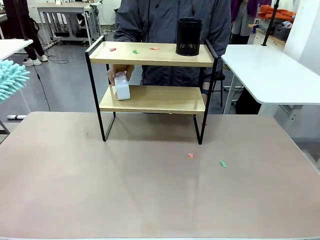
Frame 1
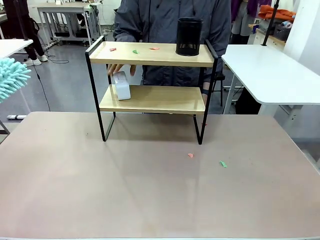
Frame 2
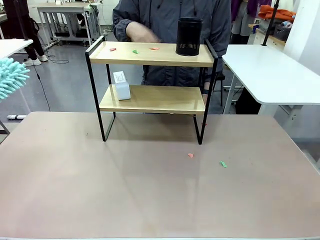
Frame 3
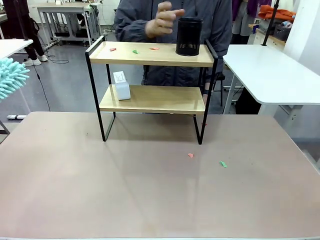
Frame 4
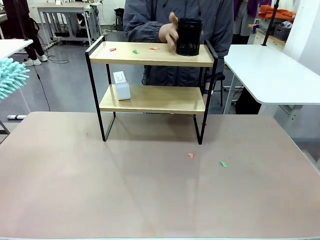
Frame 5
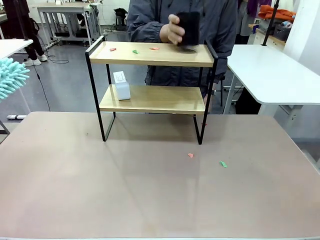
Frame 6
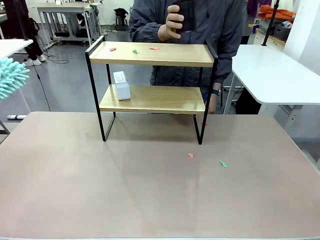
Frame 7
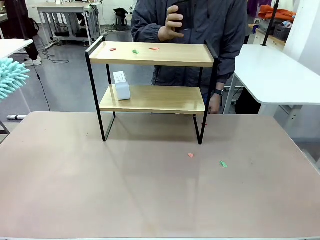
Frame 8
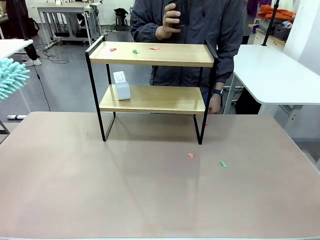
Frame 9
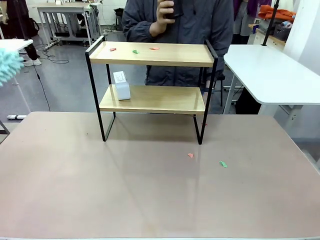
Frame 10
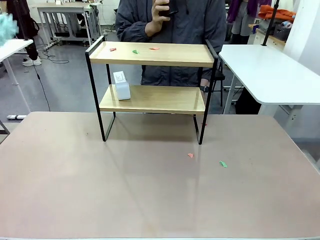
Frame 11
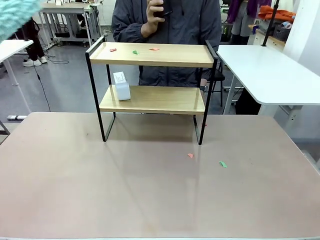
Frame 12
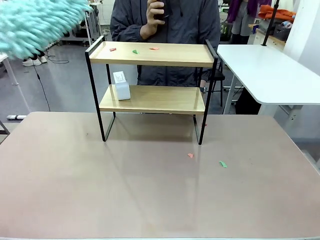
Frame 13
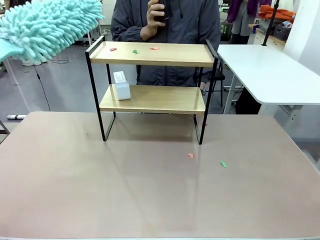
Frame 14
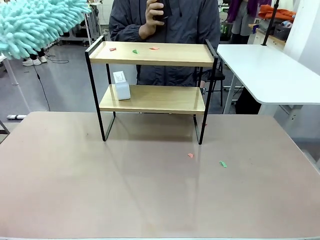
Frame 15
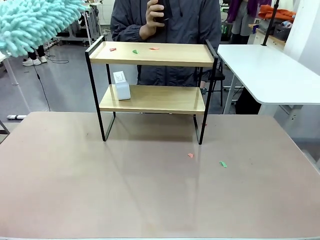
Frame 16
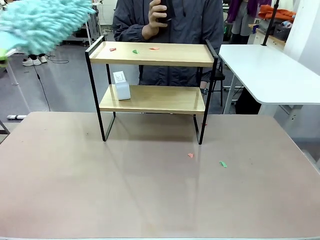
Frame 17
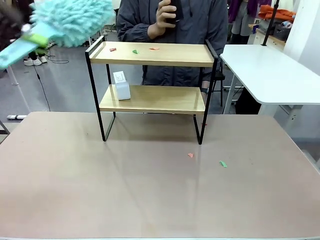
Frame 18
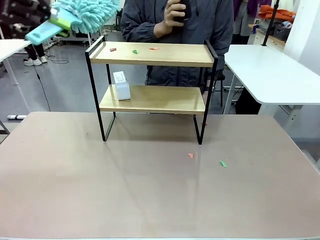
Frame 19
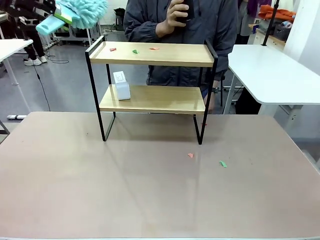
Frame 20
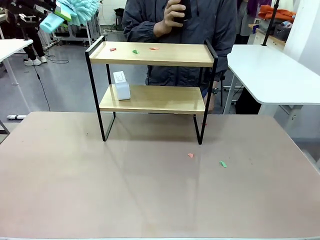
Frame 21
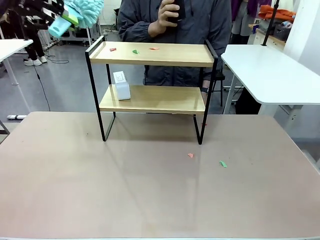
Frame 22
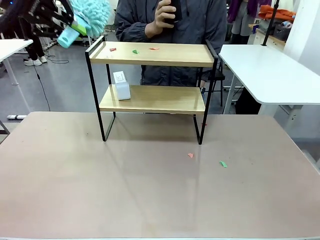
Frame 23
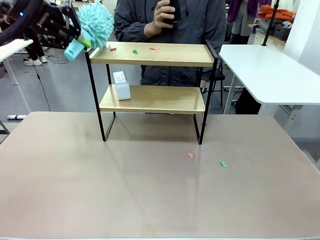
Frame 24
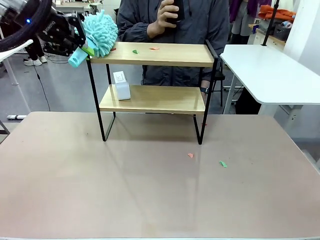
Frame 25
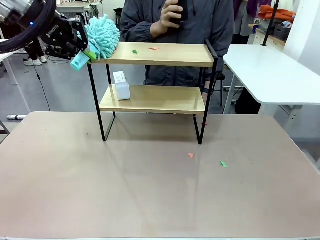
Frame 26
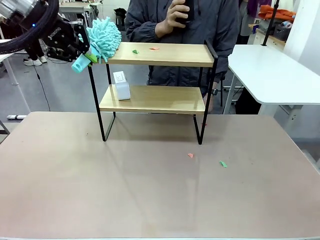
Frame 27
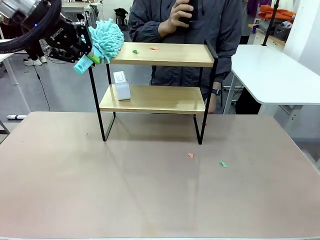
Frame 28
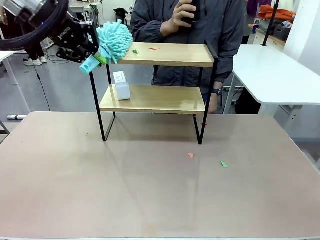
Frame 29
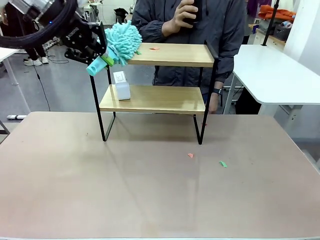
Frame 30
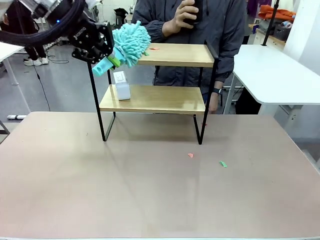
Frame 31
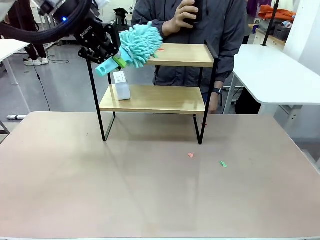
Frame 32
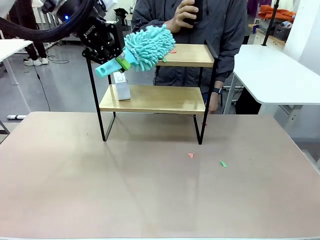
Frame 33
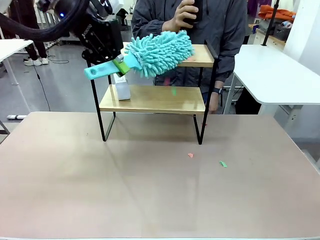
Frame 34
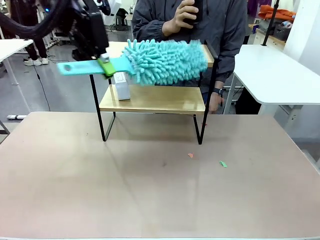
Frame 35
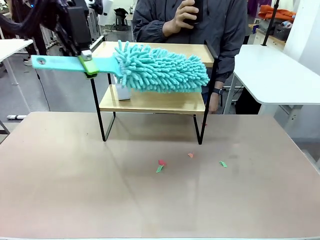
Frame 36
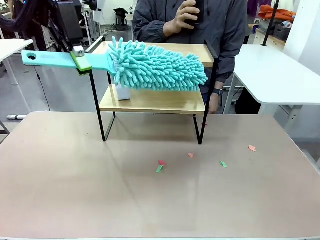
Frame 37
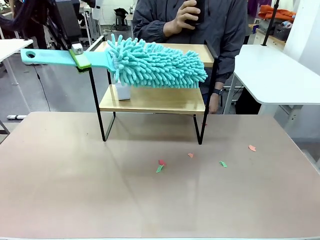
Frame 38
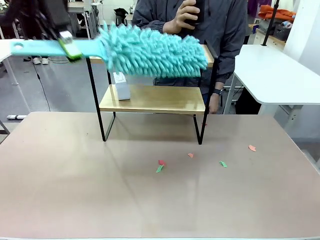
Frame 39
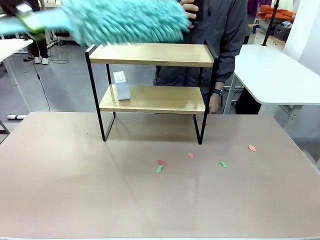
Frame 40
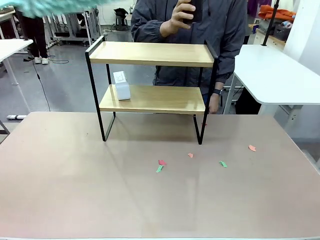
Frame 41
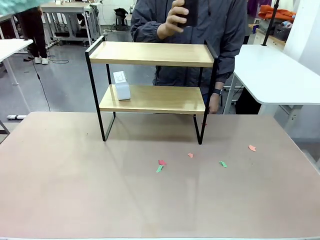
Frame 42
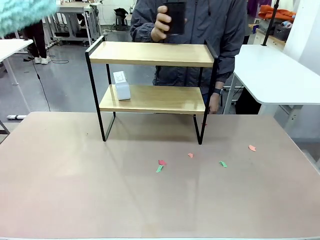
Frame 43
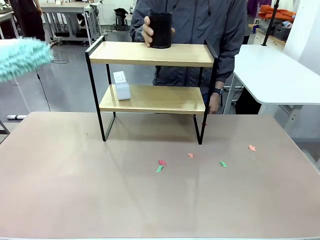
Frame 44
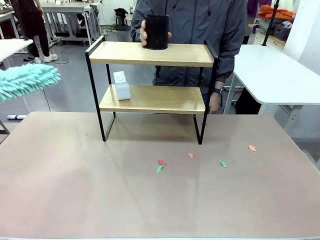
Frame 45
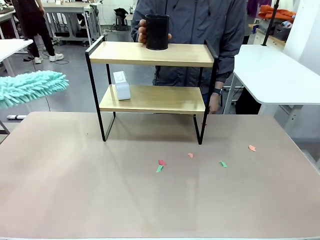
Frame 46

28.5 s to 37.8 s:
Task: Clean the shelf.
Robot: Clean the remaining tier of the Shelf with the Duster once objects are removed.

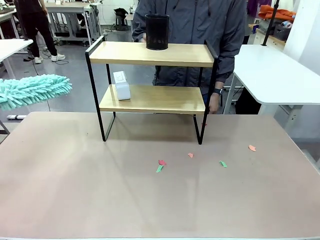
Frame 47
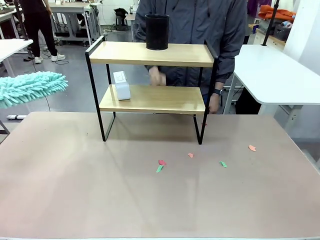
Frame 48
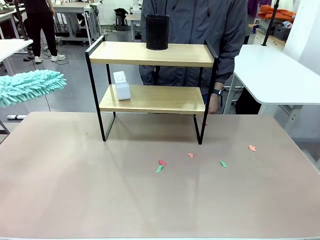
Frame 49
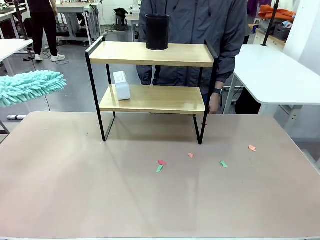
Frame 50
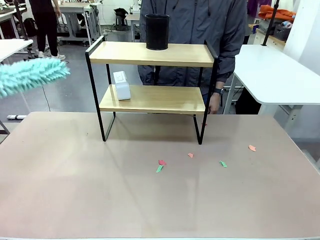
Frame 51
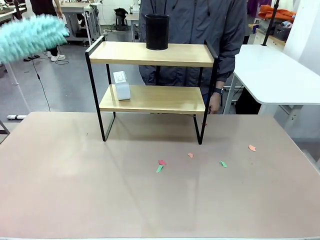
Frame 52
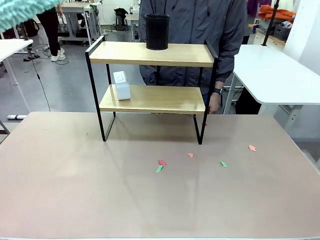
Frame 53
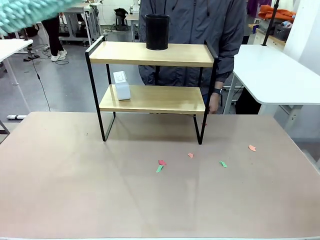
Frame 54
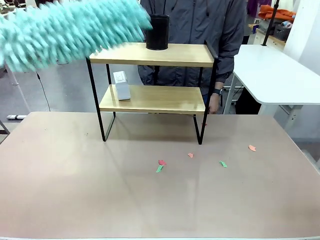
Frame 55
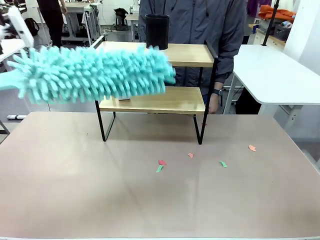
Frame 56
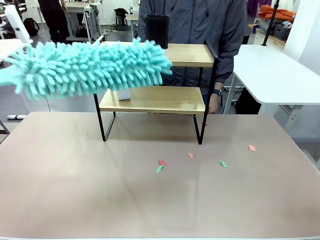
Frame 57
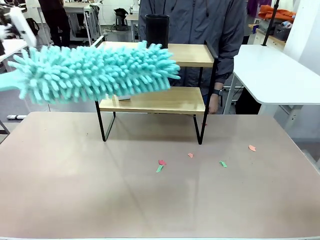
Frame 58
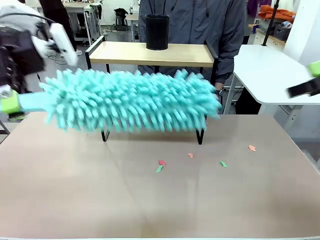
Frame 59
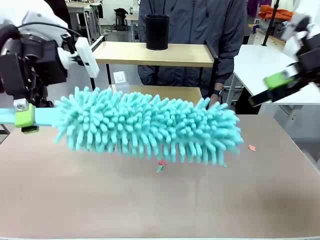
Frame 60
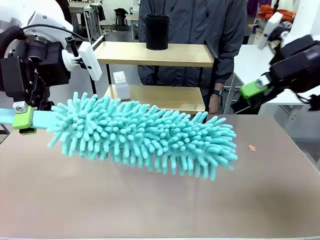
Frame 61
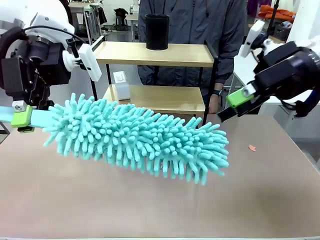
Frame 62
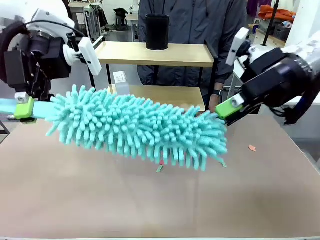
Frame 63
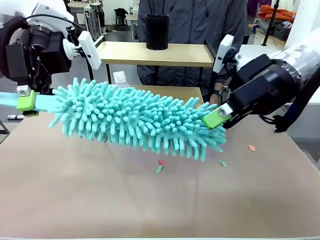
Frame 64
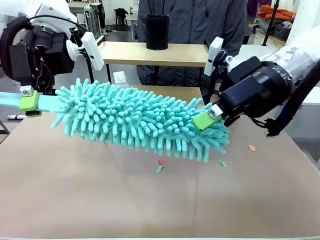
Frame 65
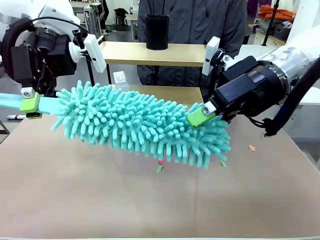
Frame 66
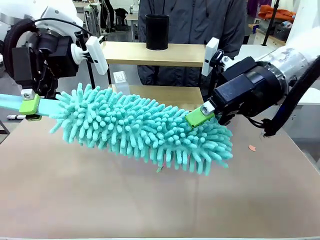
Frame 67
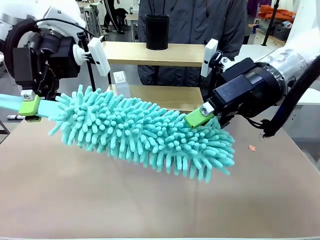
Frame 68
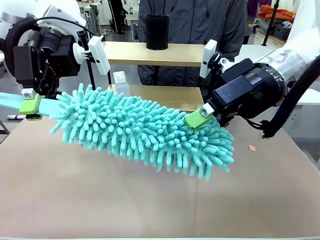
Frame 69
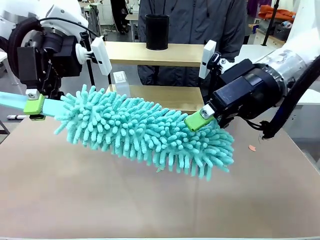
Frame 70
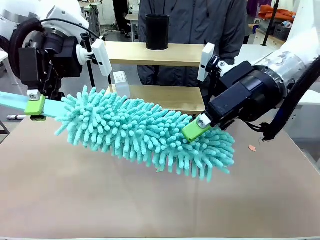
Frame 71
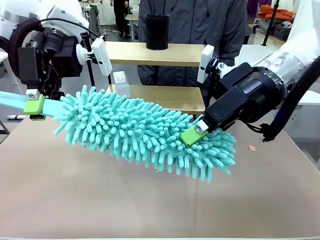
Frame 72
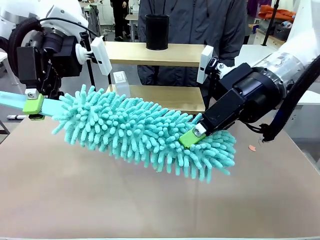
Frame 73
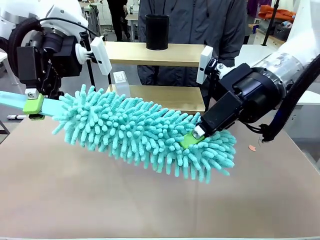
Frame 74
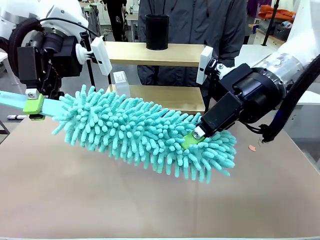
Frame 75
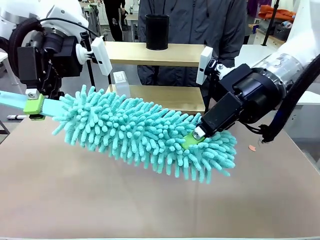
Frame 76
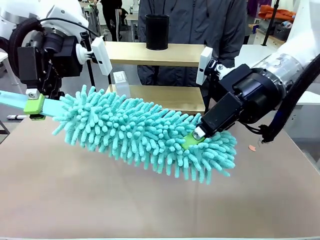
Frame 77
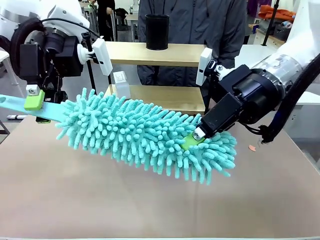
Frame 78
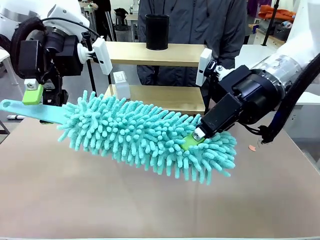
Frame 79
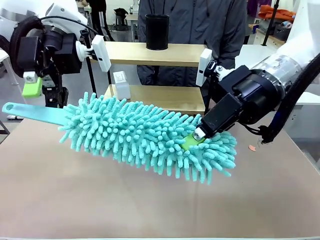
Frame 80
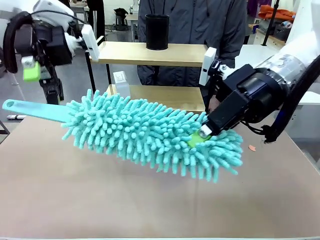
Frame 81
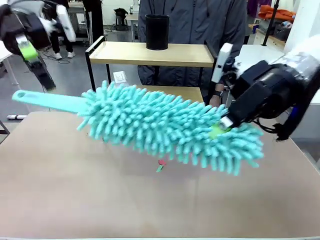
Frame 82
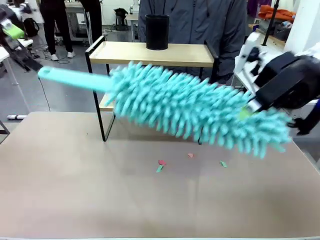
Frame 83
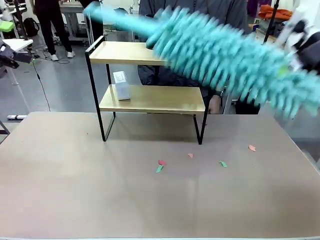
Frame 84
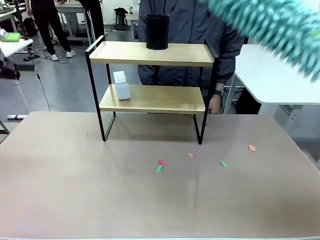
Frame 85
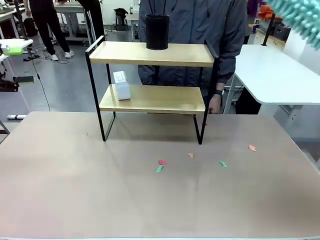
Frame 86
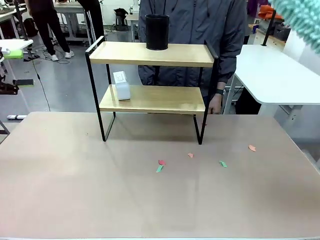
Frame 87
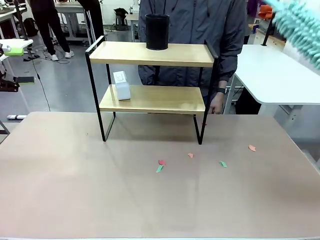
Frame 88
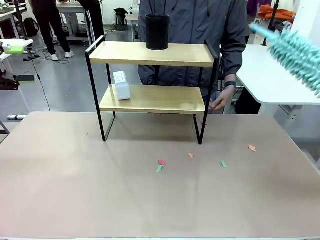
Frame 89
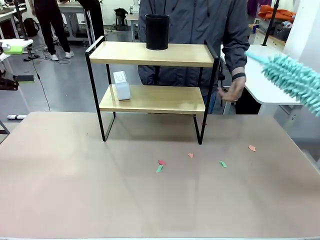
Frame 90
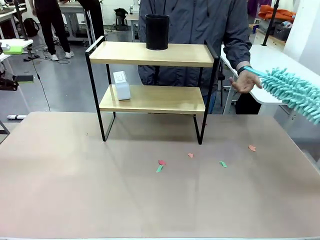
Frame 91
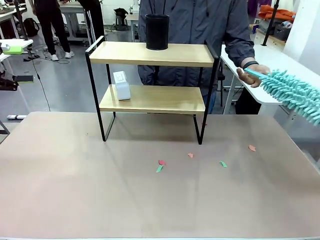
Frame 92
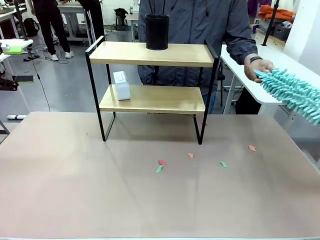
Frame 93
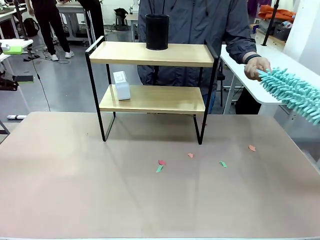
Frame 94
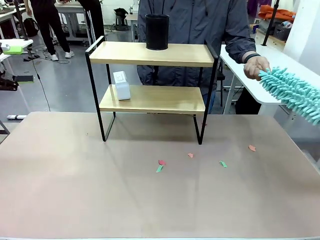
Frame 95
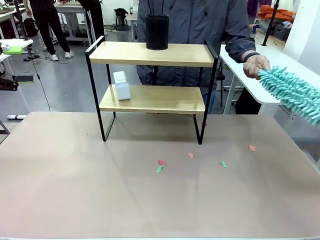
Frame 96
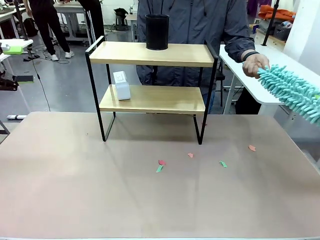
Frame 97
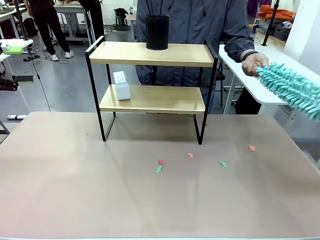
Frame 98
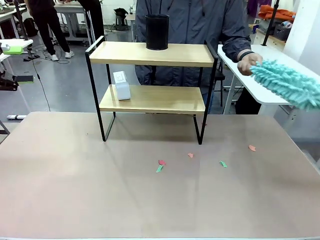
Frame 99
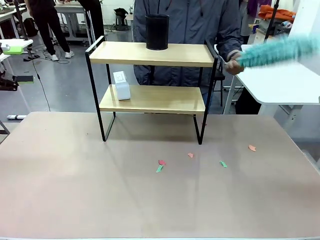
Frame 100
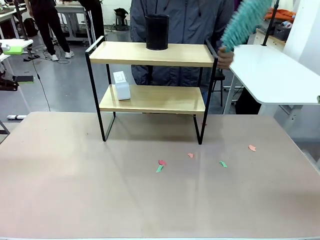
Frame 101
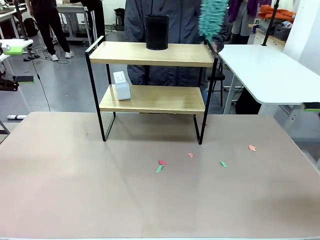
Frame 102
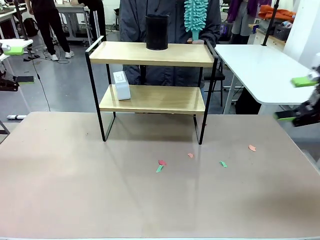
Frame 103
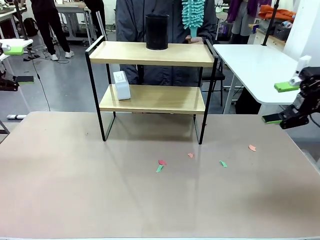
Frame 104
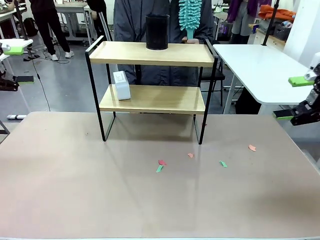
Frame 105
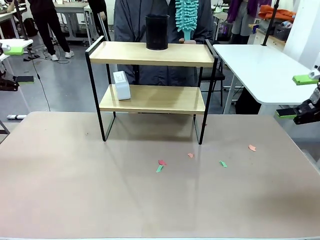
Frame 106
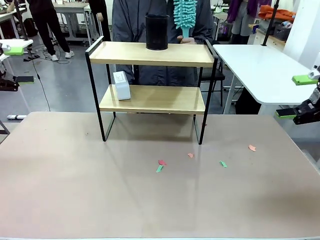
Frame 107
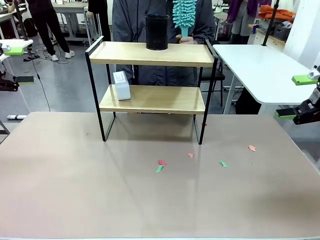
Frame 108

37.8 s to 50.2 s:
Robot: Hand the Duster back to the human.
Person: Receive the Duster from the robot.
